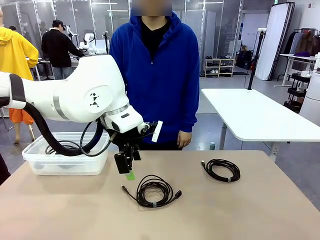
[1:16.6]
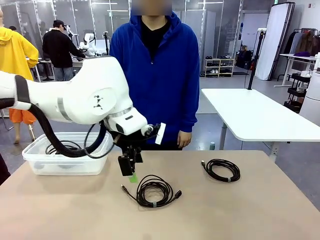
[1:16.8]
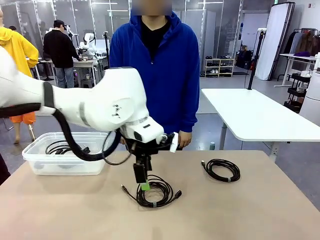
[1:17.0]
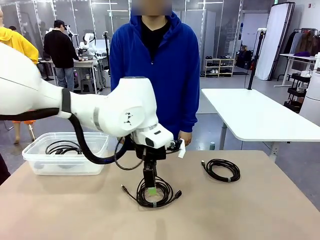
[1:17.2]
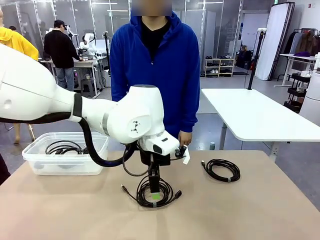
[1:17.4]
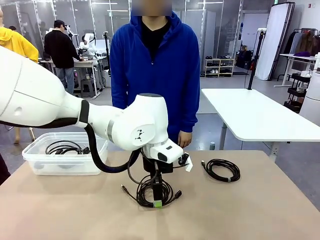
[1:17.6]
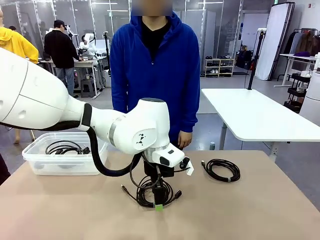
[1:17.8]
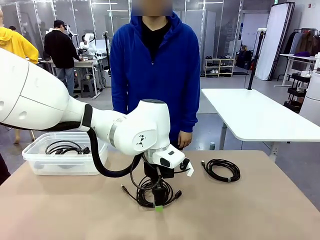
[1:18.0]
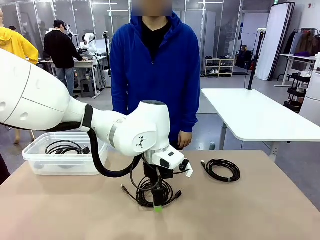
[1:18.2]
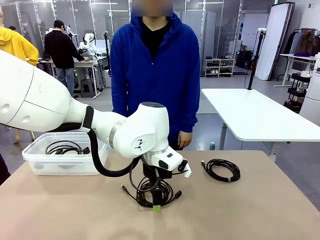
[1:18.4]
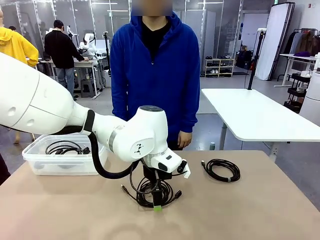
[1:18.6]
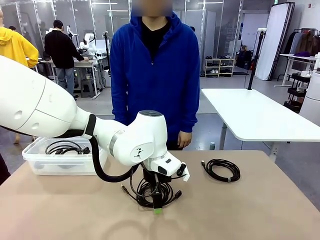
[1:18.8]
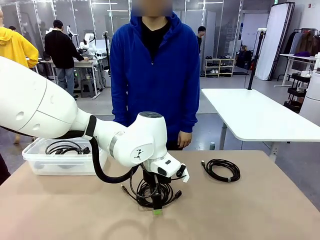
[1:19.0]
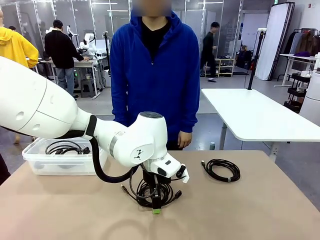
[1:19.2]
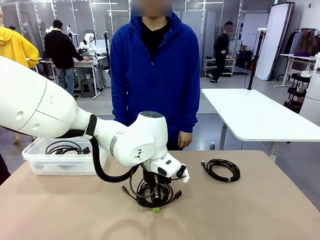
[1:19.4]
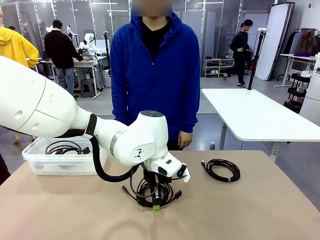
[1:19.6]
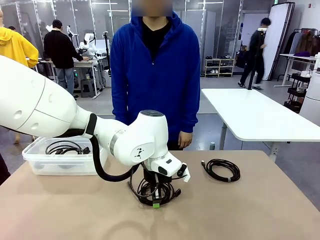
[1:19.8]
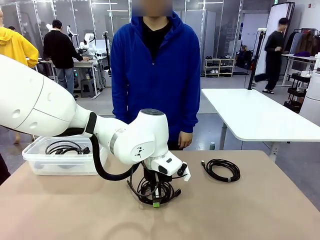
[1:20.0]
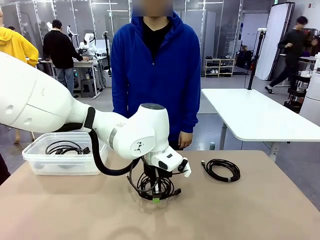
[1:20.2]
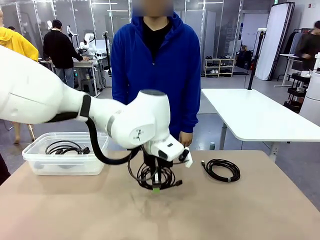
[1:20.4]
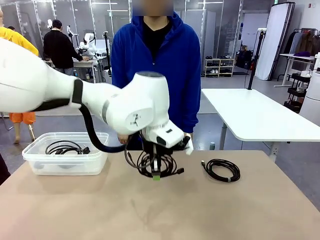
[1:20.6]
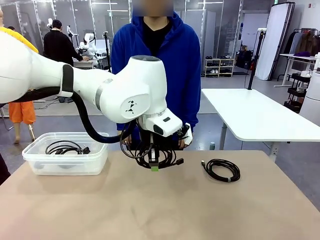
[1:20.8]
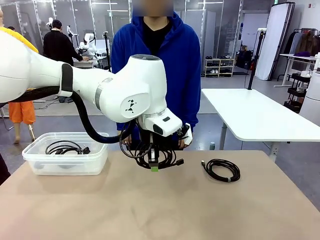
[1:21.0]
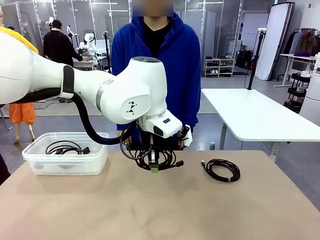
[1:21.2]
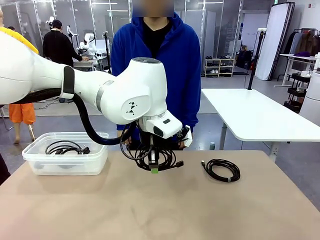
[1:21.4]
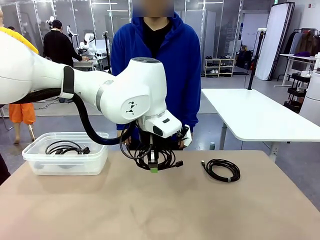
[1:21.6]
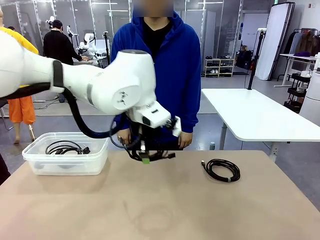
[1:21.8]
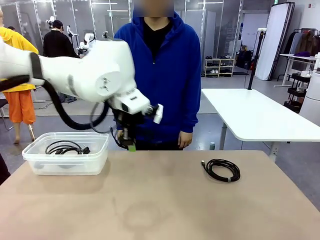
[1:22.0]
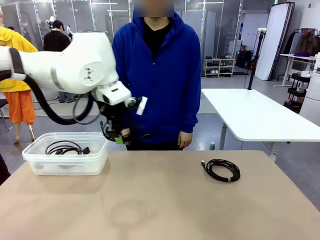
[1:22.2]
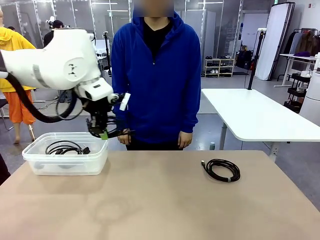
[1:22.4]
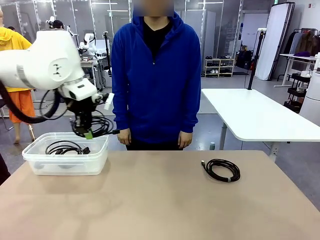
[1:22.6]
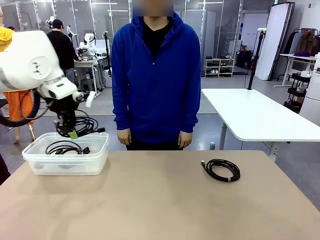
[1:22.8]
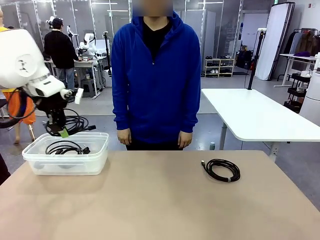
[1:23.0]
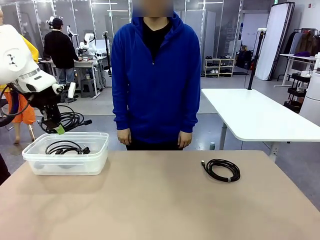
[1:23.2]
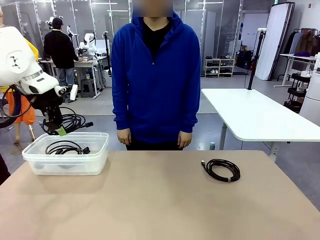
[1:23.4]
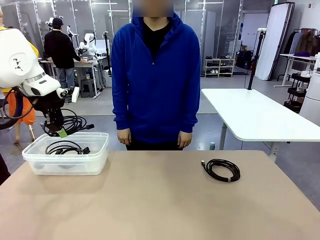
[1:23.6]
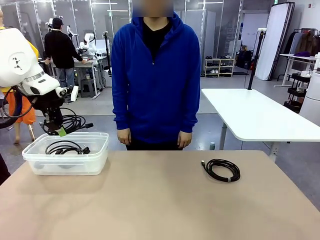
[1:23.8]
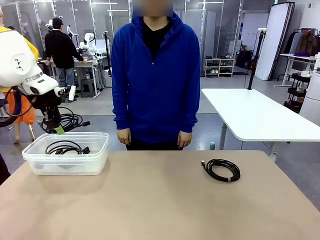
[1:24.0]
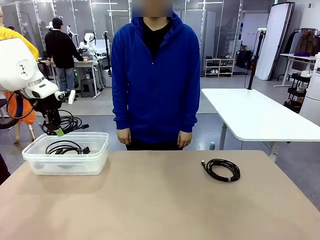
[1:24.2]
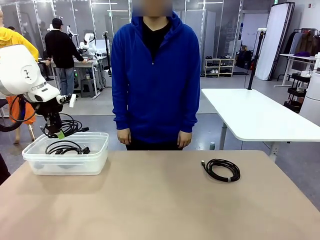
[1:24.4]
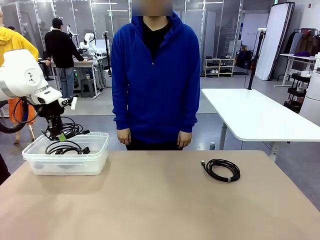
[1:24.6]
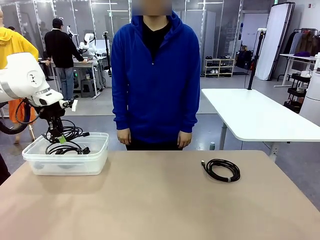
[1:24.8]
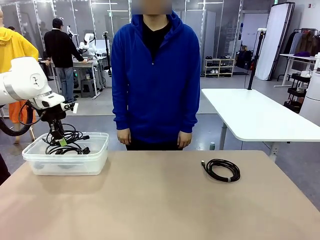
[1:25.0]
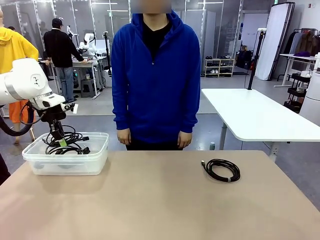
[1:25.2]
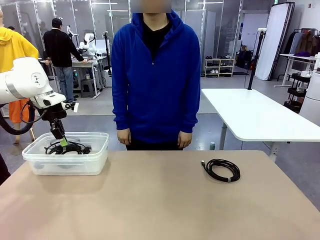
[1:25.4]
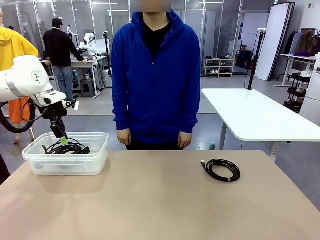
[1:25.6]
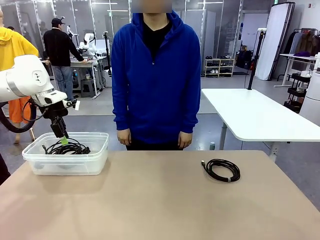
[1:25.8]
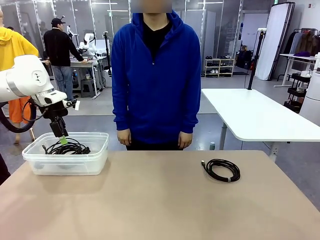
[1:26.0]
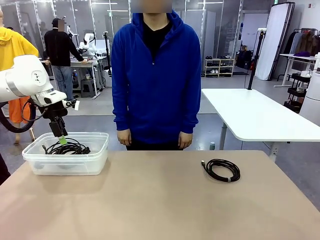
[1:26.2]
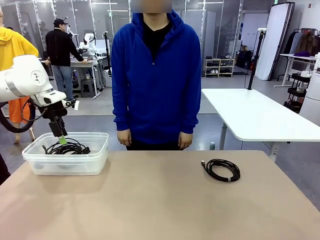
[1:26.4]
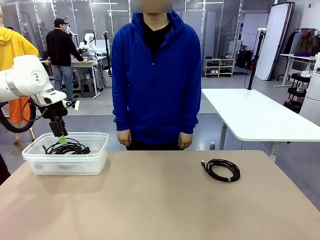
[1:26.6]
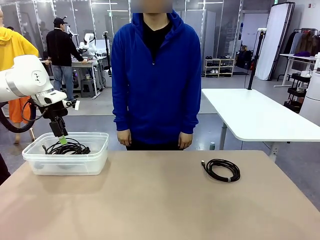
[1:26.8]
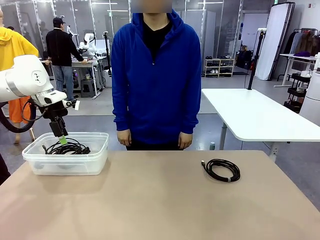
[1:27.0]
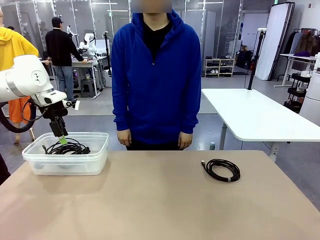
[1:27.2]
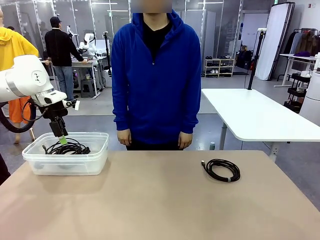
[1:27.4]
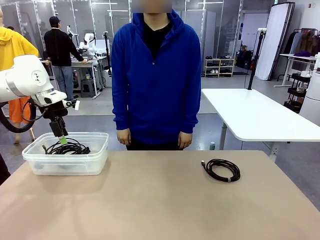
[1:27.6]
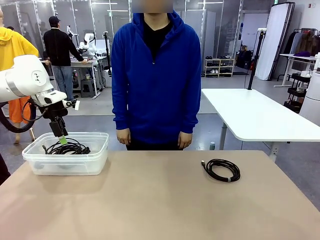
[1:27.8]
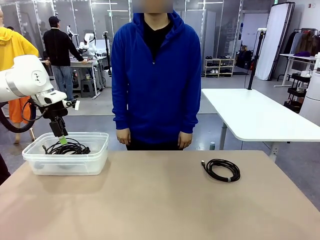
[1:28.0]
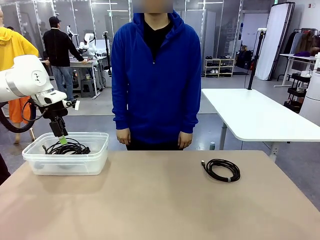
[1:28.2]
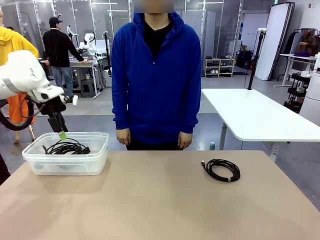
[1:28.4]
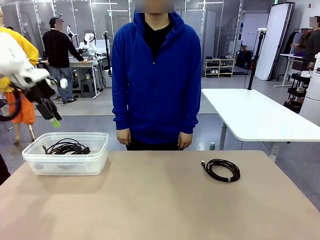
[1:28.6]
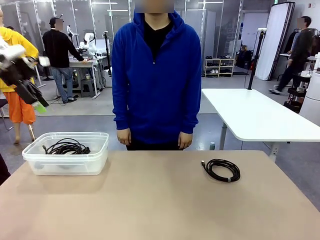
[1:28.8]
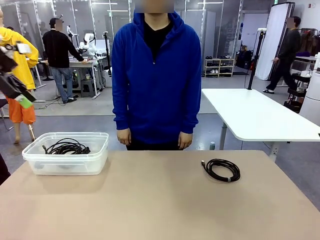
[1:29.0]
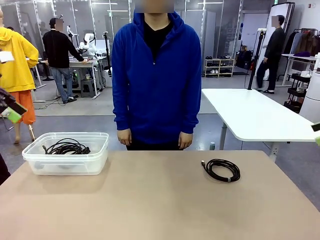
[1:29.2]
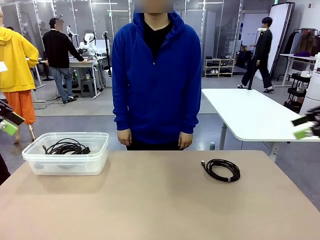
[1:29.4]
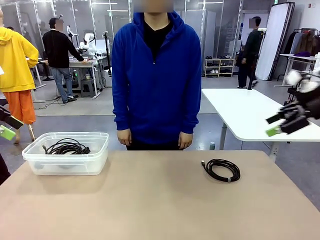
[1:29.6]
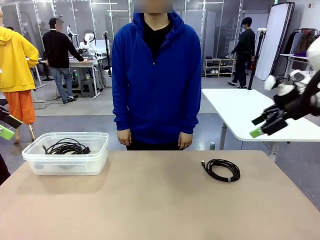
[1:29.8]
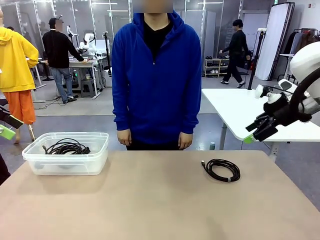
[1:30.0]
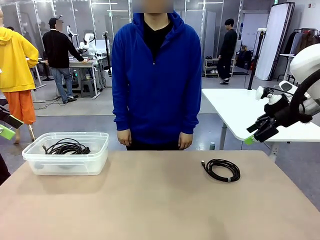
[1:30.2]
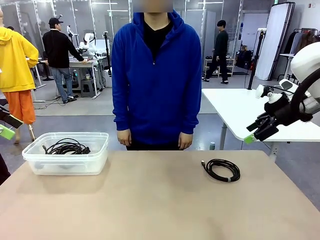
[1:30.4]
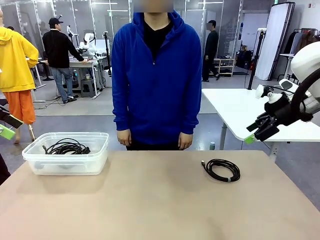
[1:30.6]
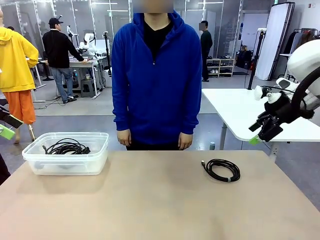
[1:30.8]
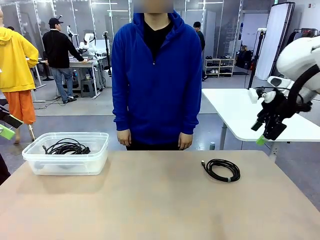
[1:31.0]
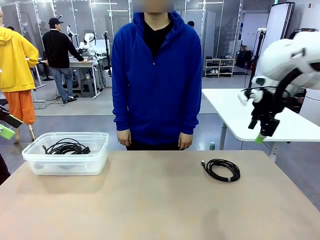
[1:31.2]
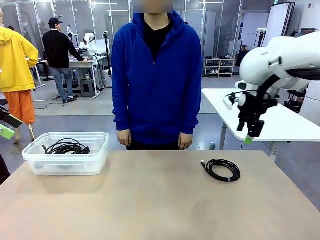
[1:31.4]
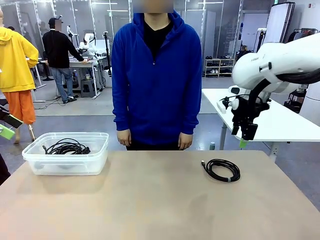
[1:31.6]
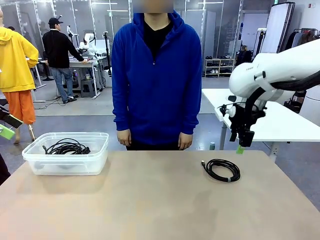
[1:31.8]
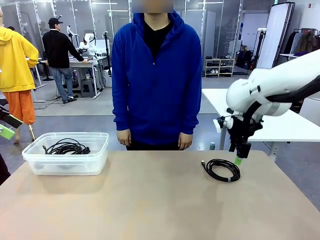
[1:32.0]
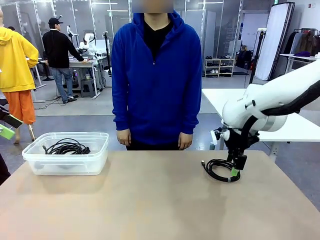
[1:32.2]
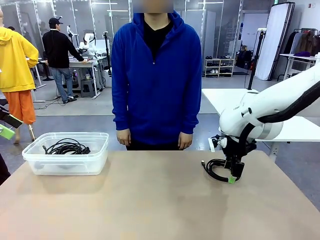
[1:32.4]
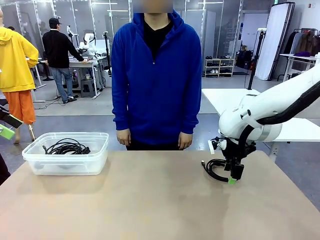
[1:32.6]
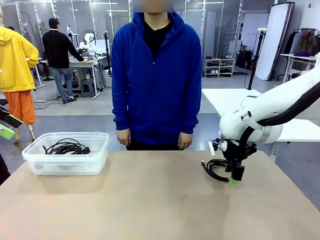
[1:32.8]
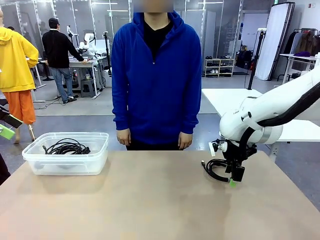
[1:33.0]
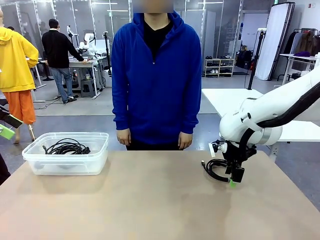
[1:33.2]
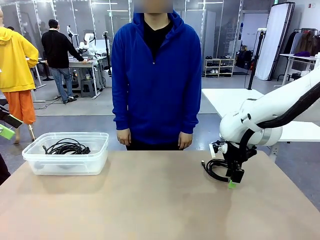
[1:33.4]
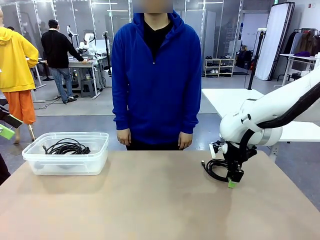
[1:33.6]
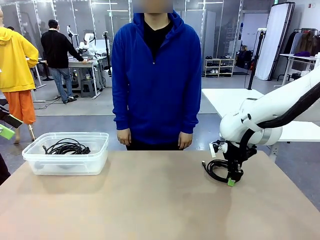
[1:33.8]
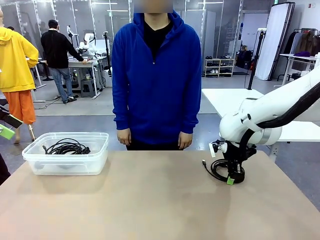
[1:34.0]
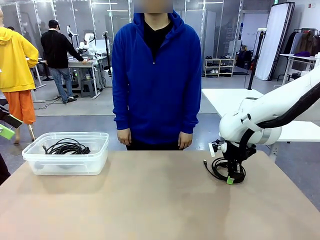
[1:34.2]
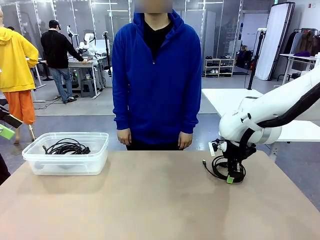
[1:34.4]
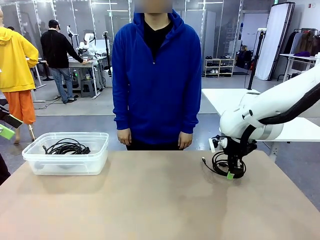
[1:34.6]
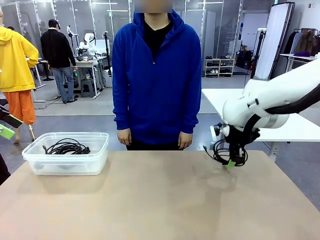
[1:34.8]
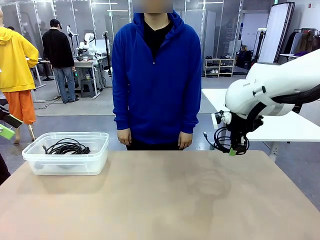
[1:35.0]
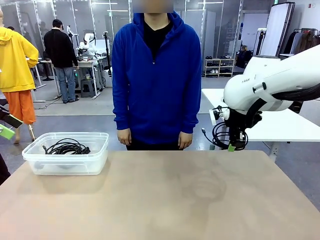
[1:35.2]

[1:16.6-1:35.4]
Task: Organize and store the cables.
Robot: Place the USB Extension Cable into the Organizing box.
